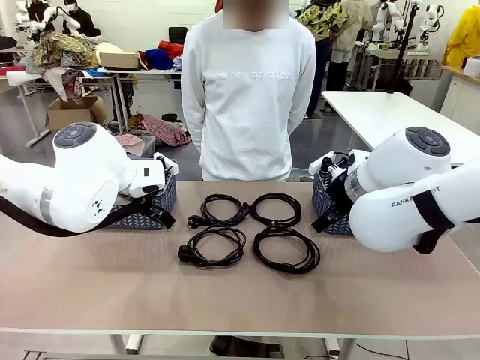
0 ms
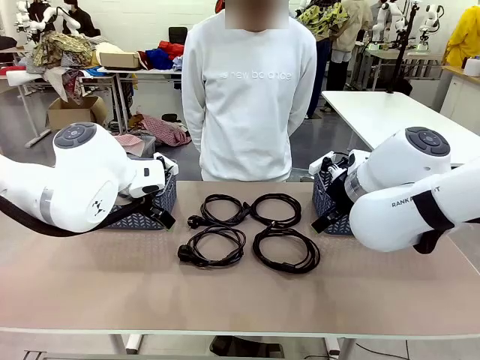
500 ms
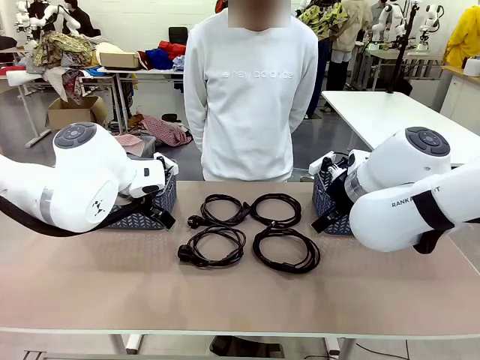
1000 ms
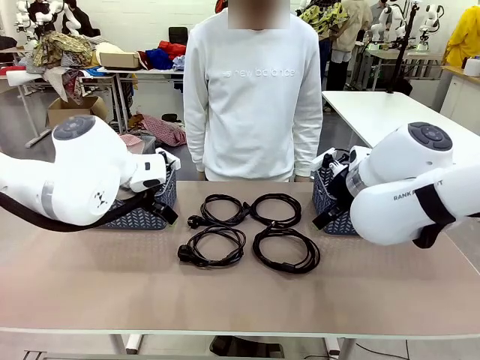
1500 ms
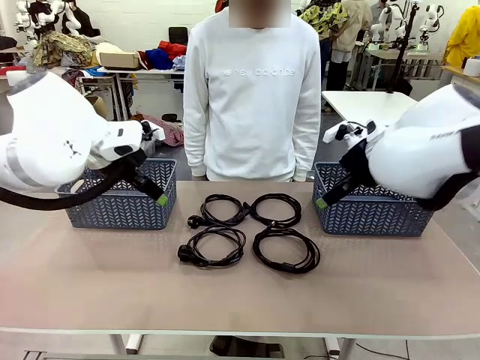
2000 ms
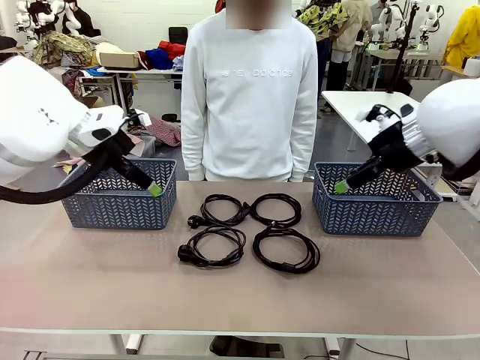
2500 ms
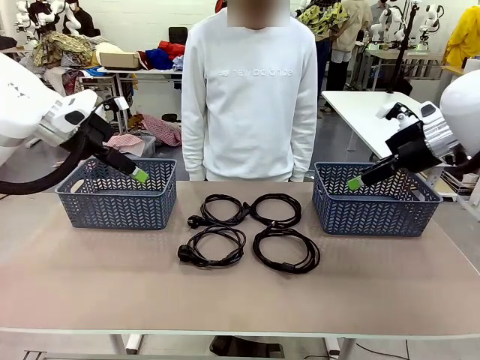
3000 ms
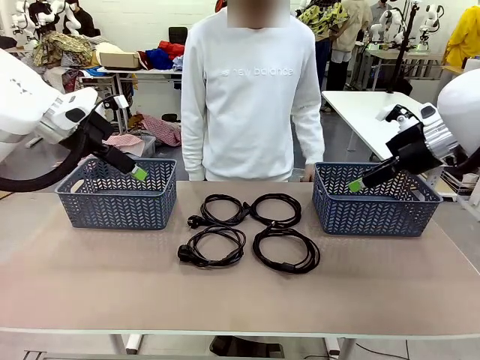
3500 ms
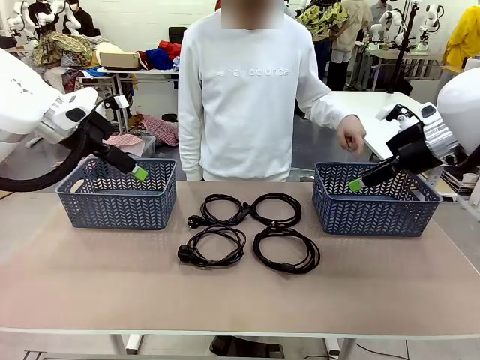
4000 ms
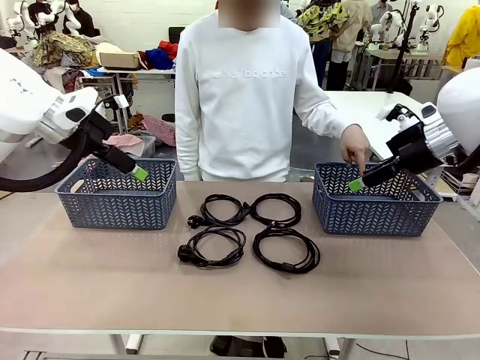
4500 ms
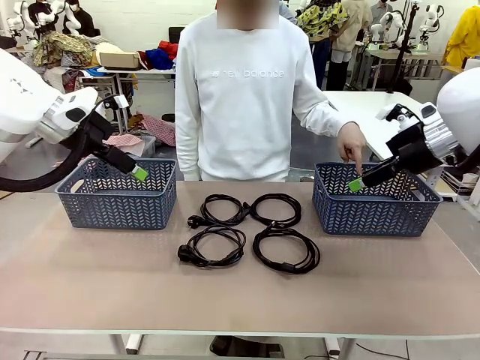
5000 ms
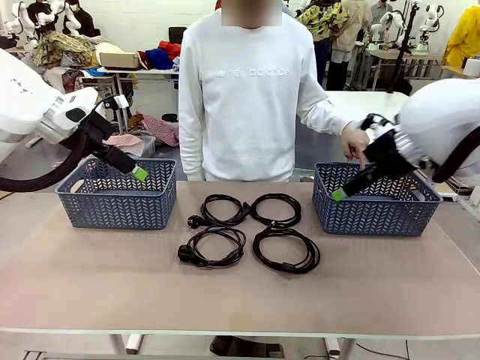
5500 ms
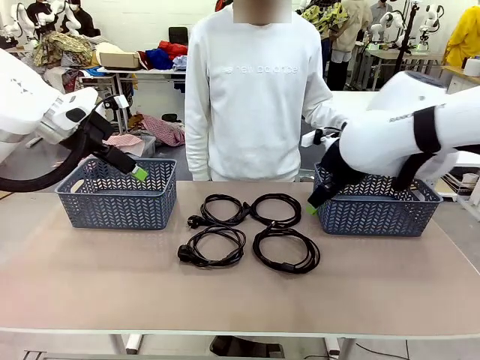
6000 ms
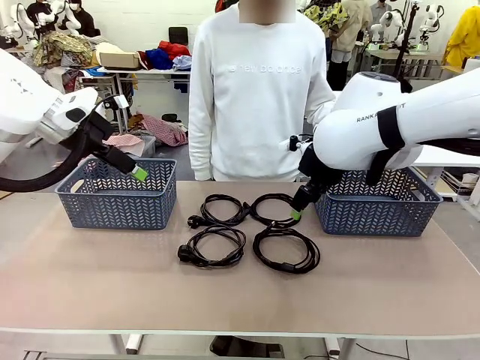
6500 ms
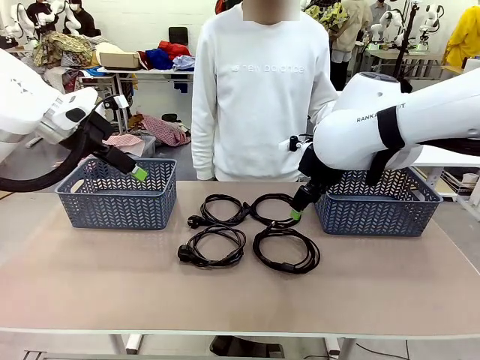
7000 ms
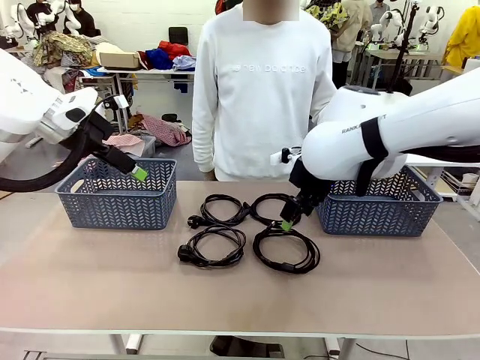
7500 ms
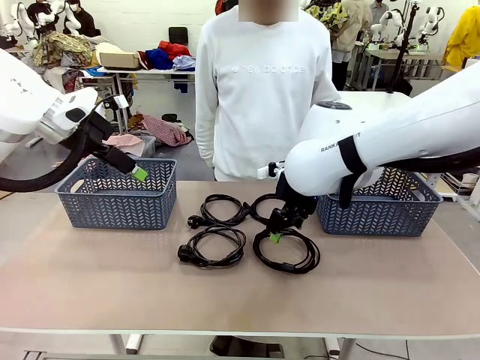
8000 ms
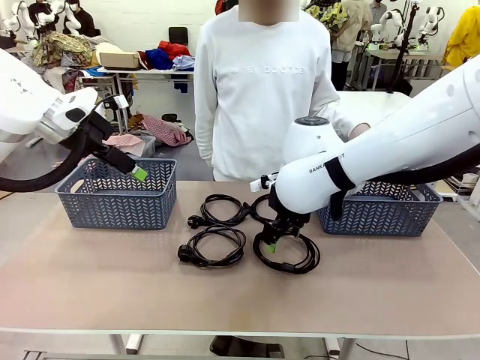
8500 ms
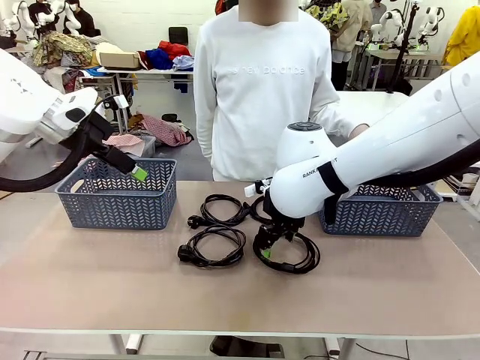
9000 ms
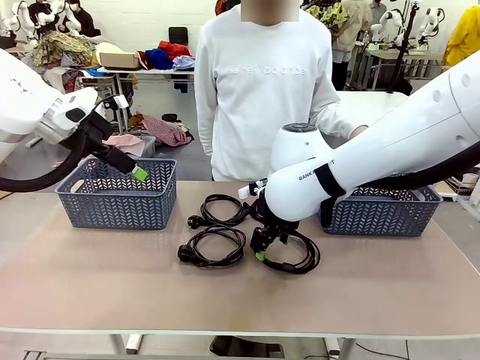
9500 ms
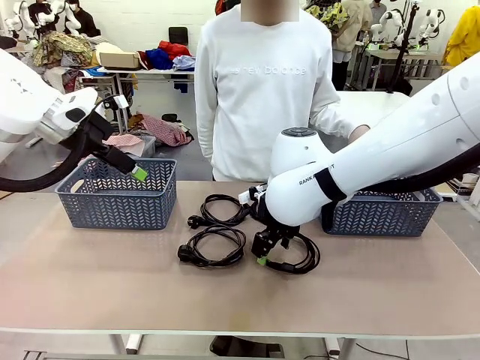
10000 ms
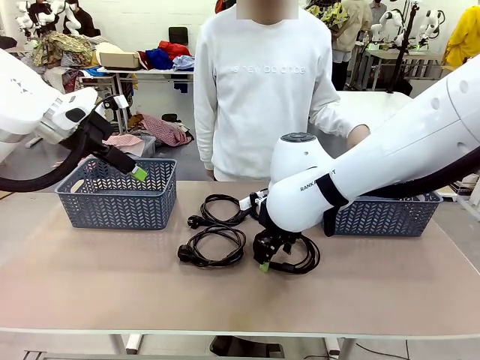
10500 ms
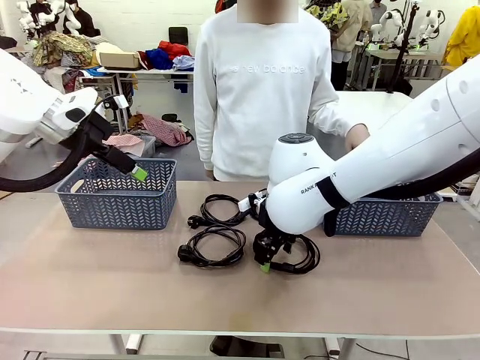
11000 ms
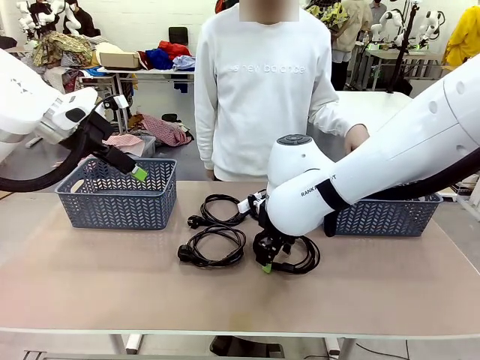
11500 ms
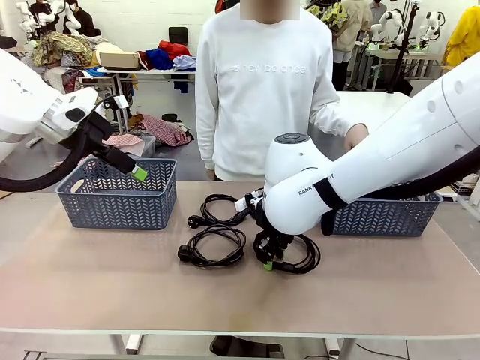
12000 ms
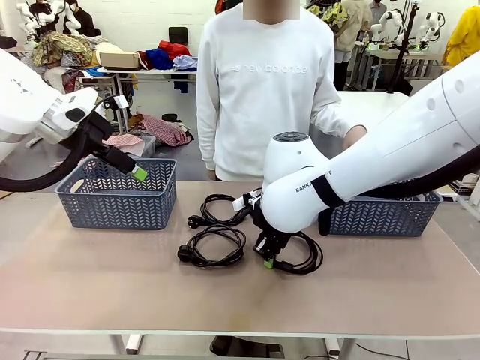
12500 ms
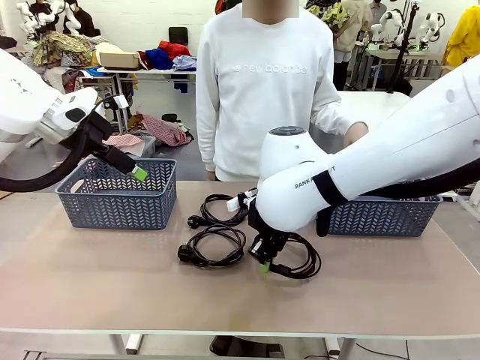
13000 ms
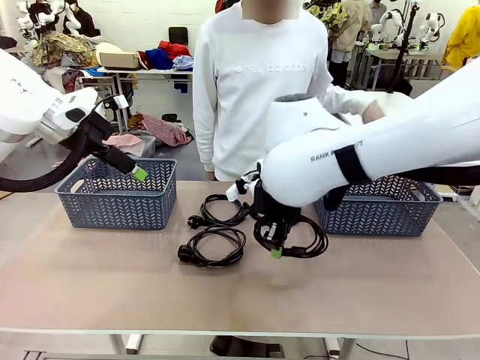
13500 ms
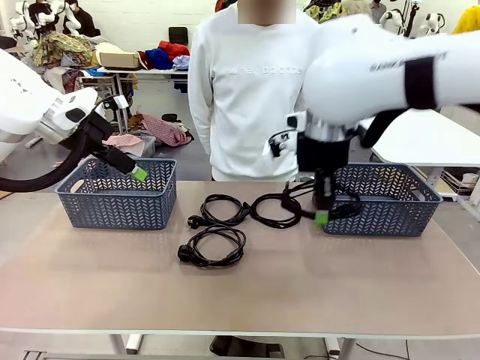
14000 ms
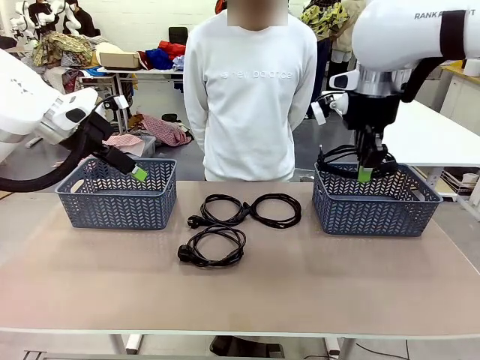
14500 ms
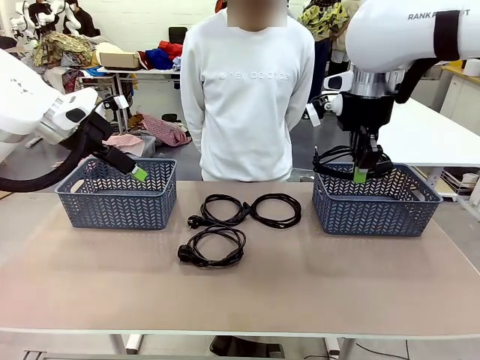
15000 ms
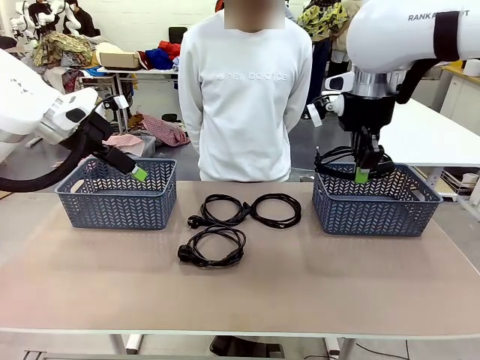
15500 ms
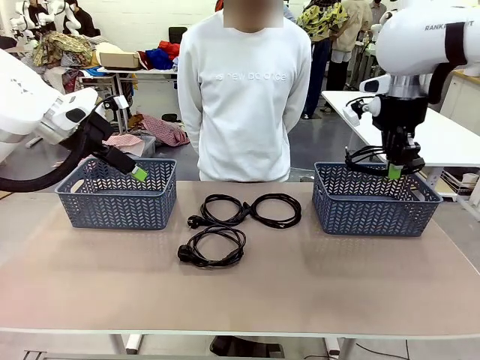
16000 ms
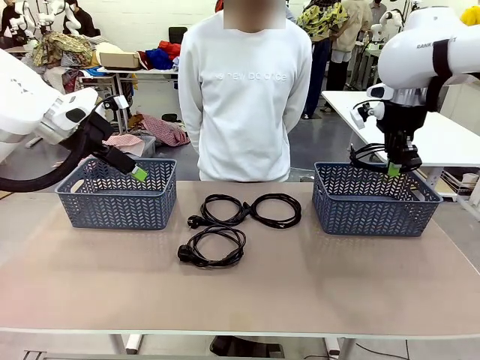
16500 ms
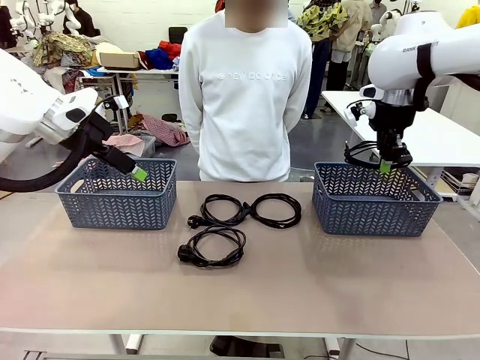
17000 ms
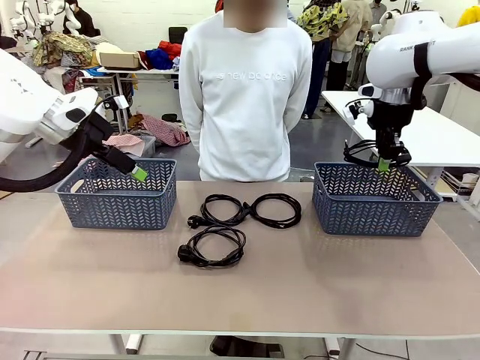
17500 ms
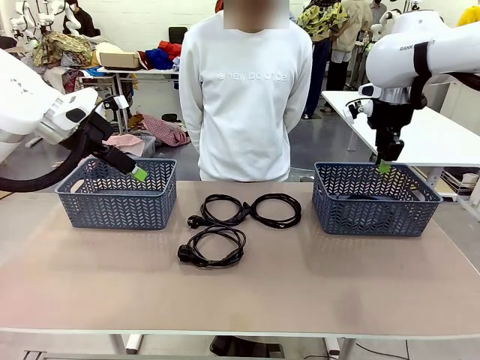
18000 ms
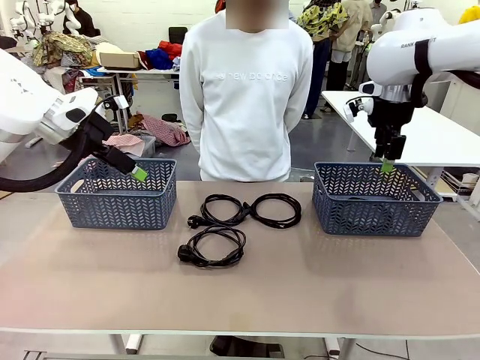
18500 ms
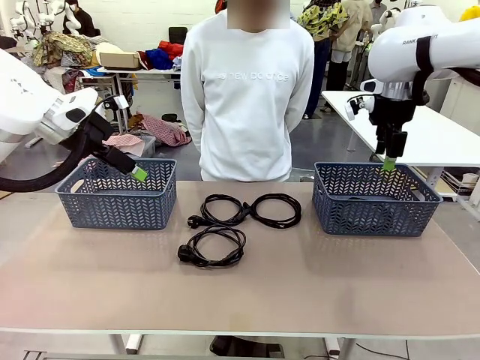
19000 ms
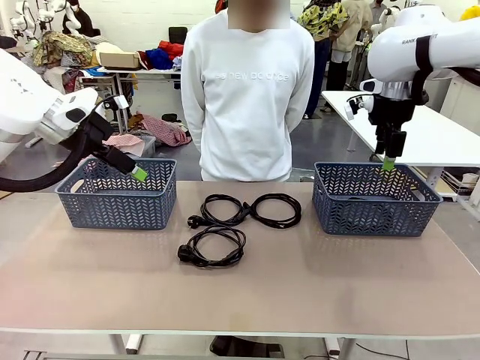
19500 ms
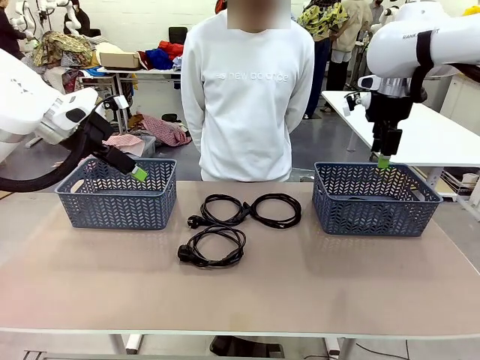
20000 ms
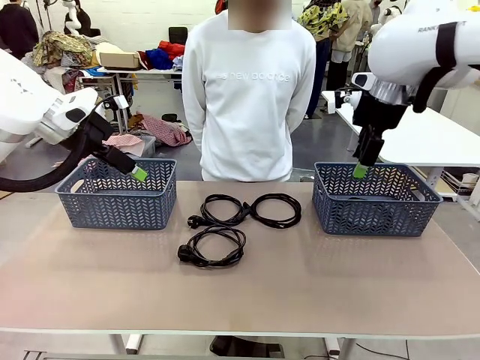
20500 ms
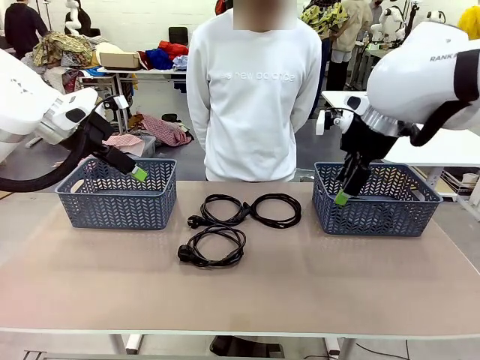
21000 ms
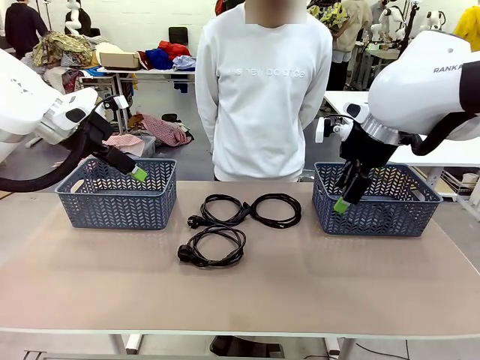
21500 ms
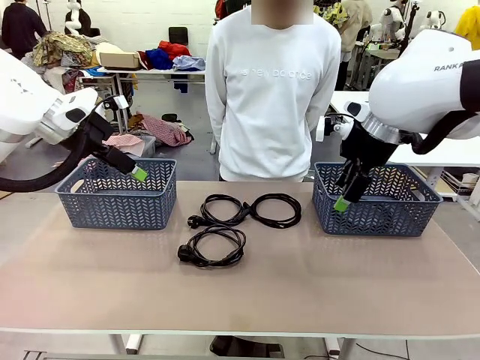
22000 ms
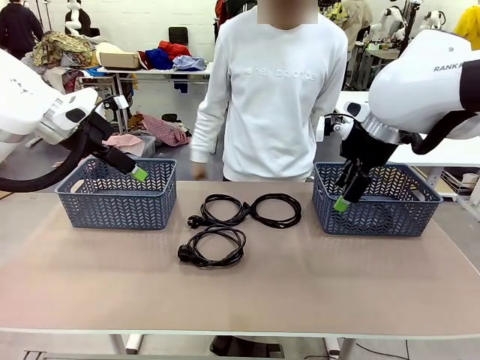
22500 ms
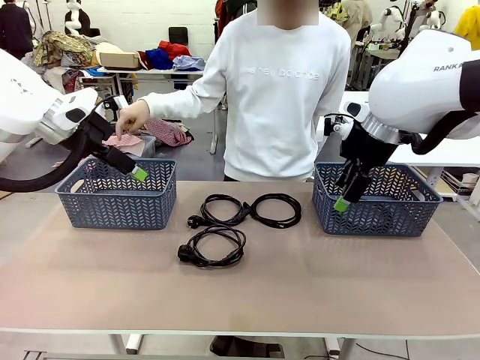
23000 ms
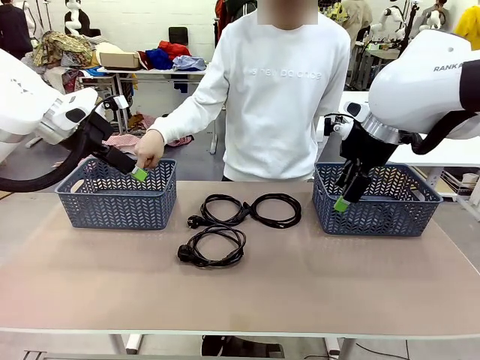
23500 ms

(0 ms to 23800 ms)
Task: Organize the cables according to human instructions.
Robot: Pick up a bundle of cables and place it in the basket indicated by the human.
